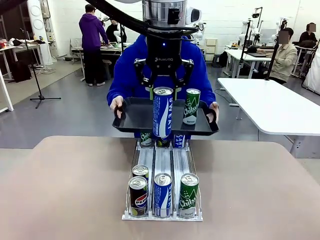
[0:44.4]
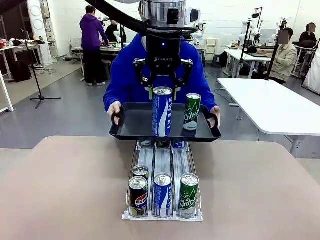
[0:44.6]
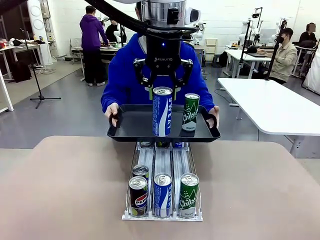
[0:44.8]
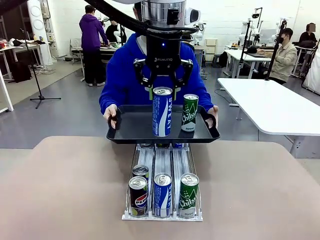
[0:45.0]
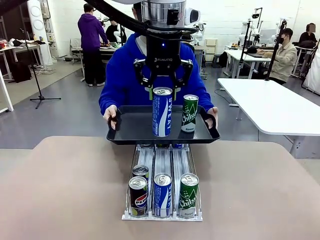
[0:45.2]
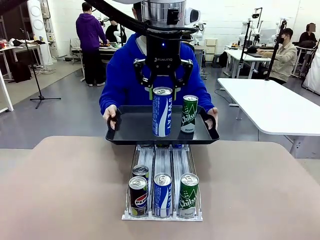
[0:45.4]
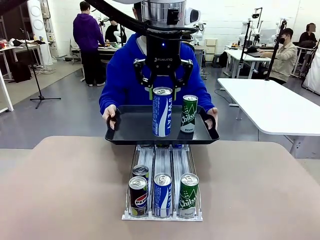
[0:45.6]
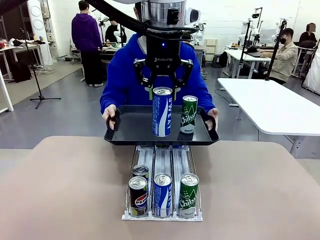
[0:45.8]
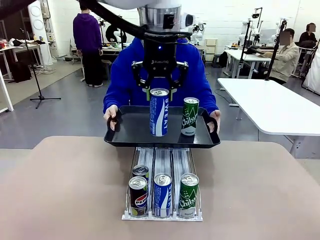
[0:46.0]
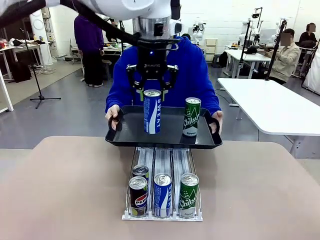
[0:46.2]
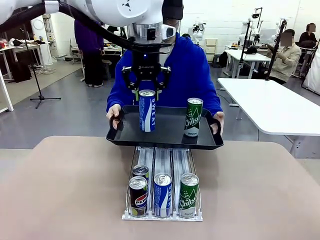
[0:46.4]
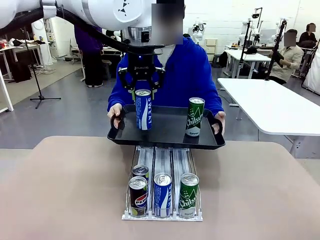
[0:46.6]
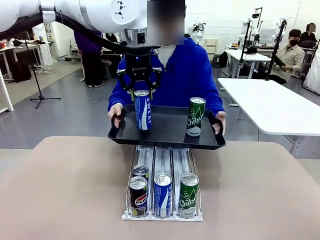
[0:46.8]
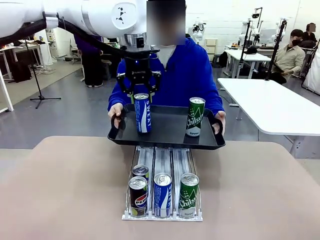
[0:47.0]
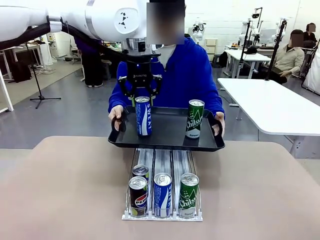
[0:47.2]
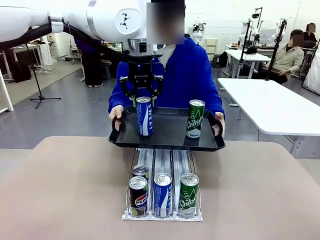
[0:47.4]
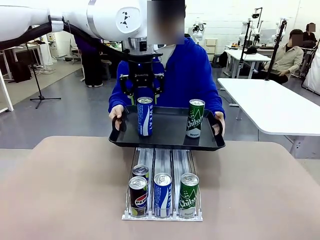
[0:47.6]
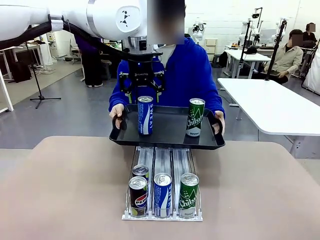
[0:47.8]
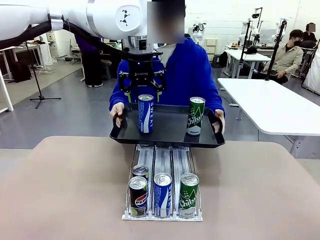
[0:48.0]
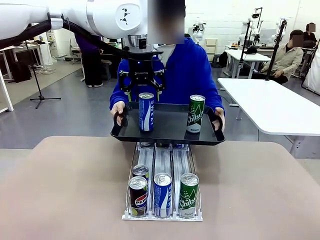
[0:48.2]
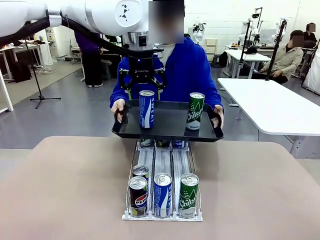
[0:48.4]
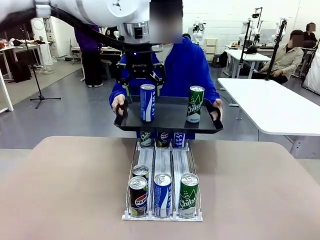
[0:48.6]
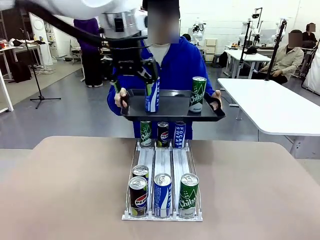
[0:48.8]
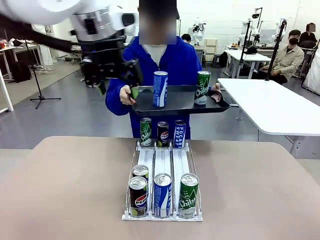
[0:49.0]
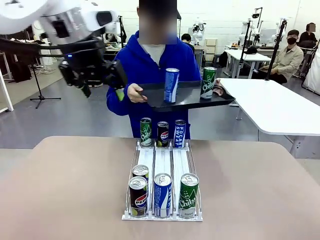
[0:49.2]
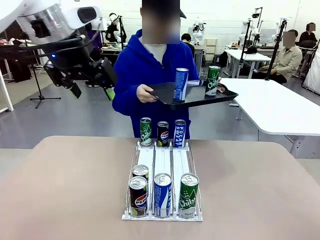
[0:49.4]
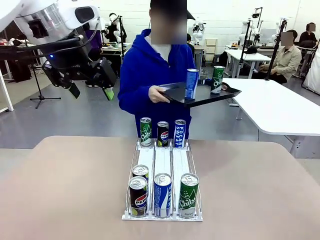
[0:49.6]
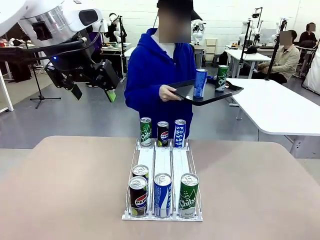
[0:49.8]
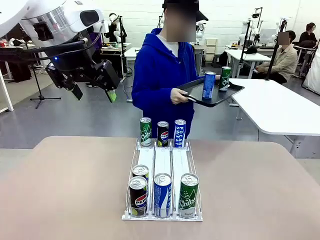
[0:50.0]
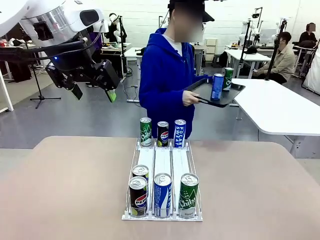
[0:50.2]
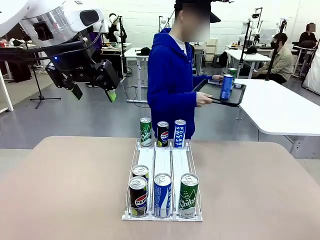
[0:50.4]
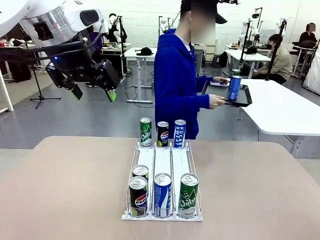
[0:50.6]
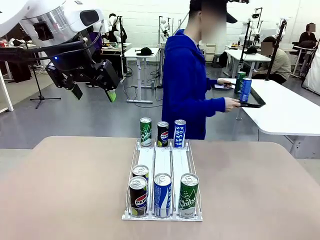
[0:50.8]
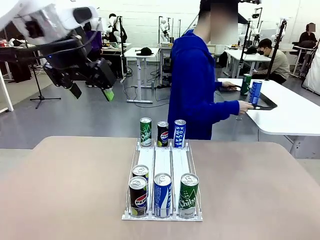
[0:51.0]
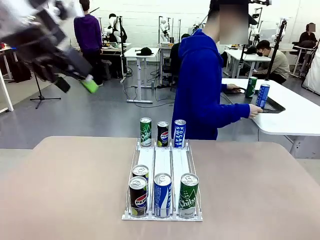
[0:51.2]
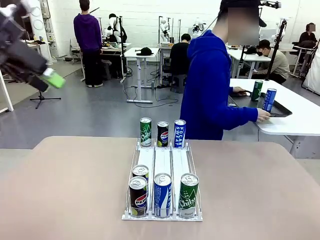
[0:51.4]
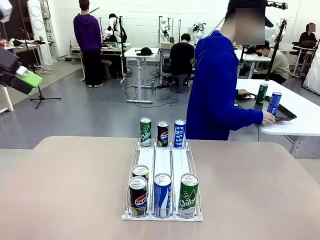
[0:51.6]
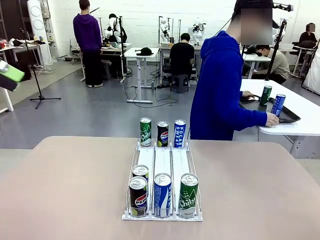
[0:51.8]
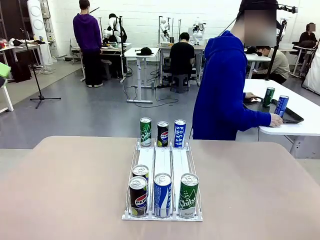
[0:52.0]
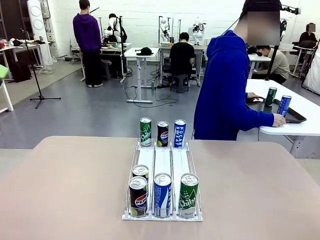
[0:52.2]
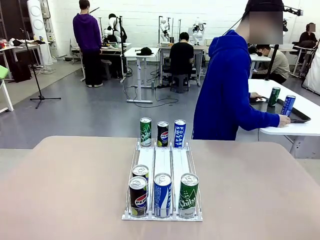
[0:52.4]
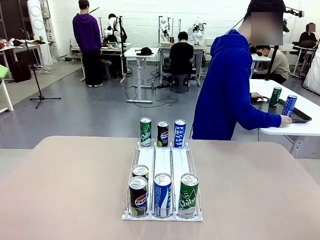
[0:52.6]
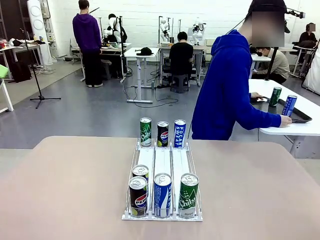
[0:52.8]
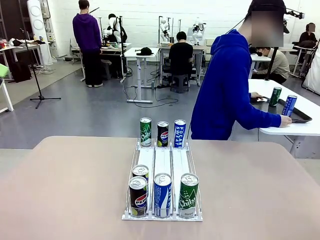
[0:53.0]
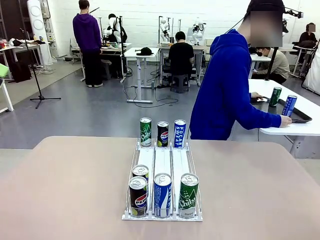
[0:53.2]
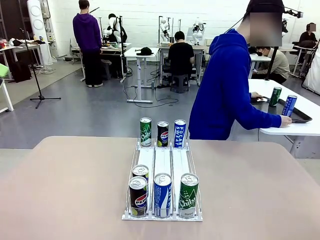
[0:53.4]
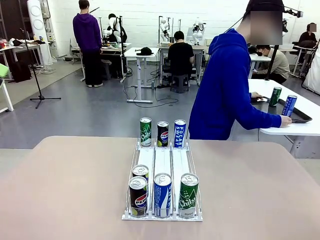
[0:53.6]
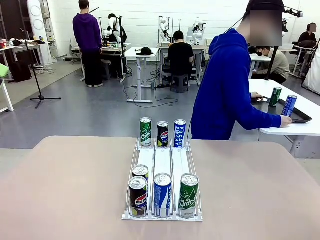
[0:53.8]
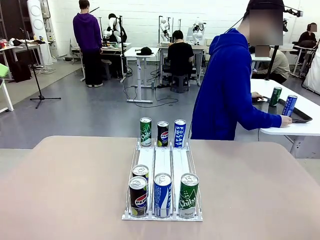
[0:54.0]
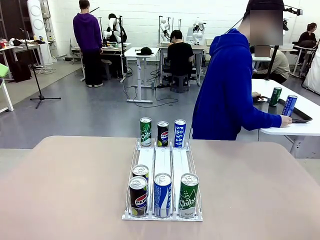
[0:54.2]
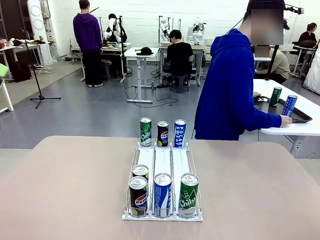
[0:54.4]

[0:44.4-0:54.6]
Task: Retrieve and hand over the desired beverage to the person.
Robot: Place the picked can on the Handle tray extended by the person.
Person: Pull the tray back and place it at the center of the human table.

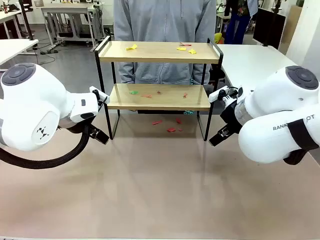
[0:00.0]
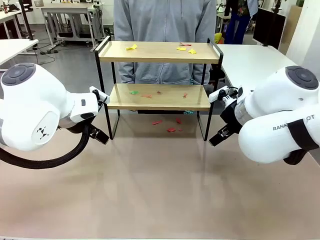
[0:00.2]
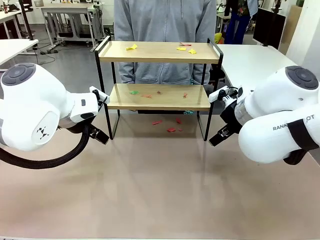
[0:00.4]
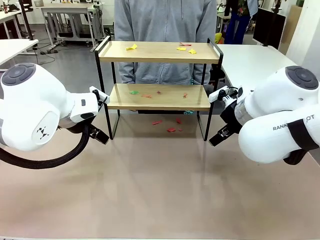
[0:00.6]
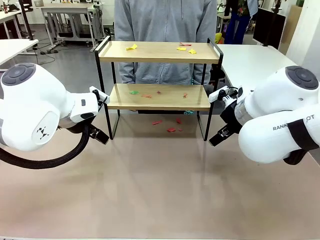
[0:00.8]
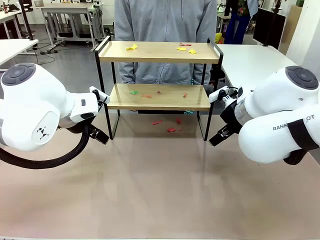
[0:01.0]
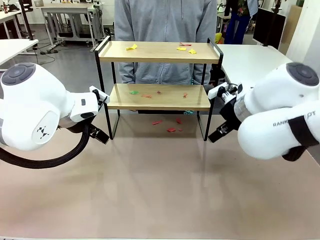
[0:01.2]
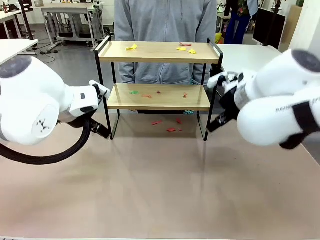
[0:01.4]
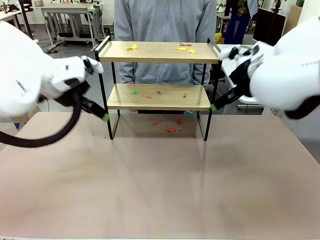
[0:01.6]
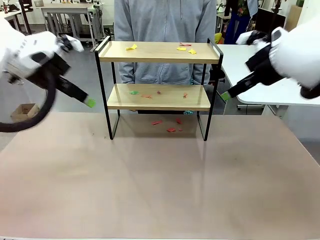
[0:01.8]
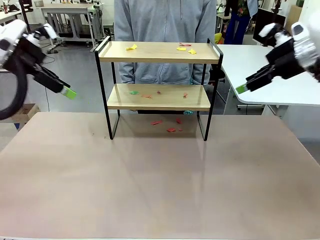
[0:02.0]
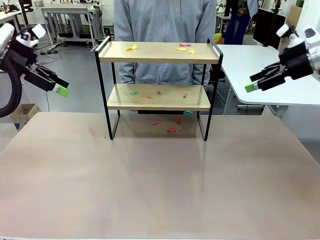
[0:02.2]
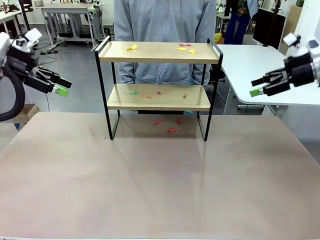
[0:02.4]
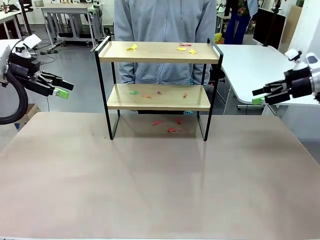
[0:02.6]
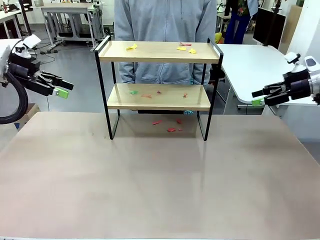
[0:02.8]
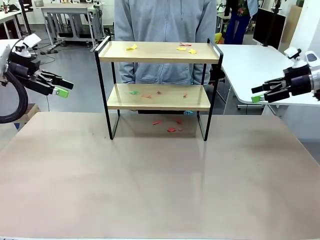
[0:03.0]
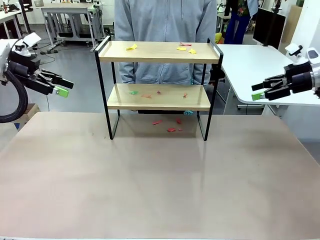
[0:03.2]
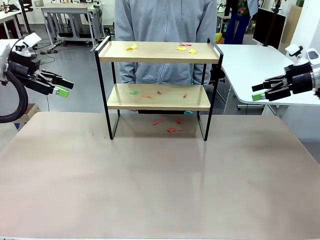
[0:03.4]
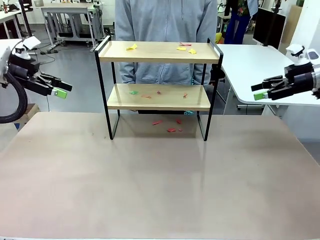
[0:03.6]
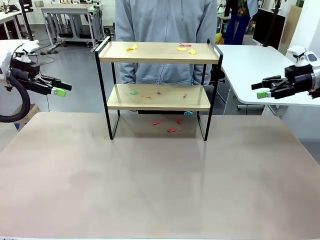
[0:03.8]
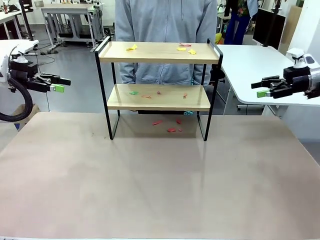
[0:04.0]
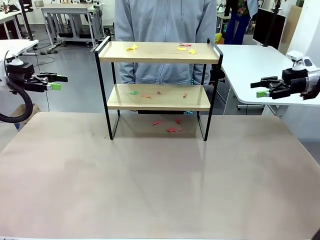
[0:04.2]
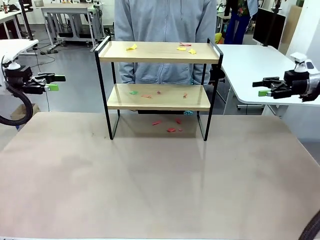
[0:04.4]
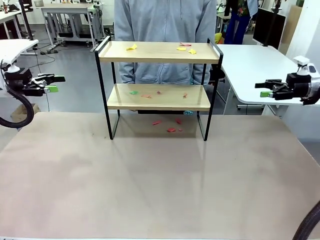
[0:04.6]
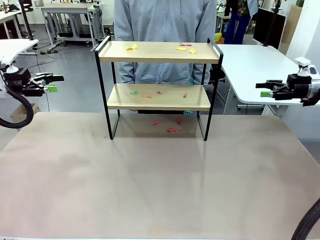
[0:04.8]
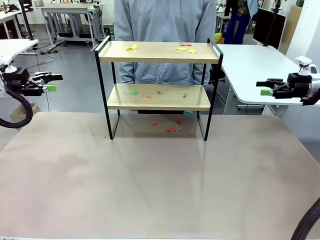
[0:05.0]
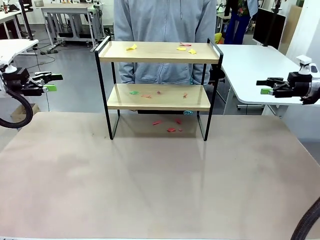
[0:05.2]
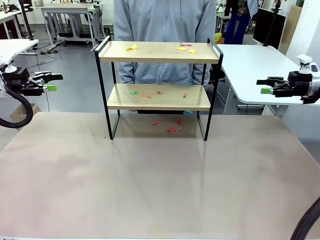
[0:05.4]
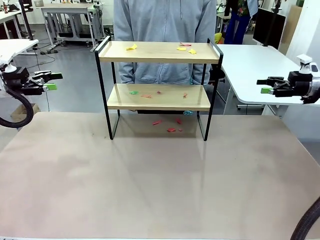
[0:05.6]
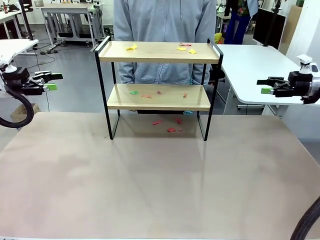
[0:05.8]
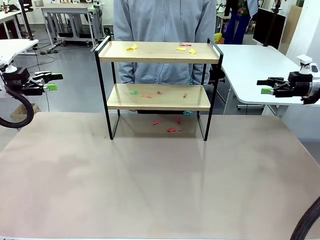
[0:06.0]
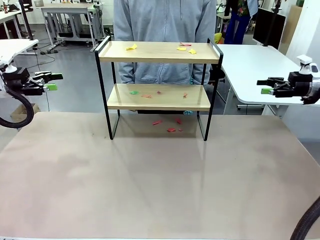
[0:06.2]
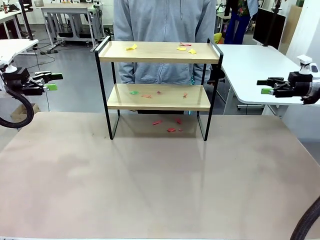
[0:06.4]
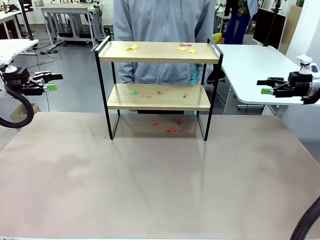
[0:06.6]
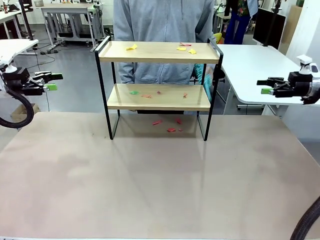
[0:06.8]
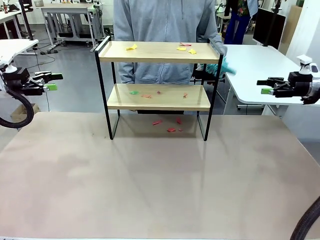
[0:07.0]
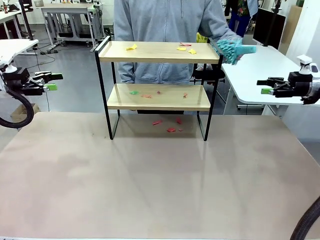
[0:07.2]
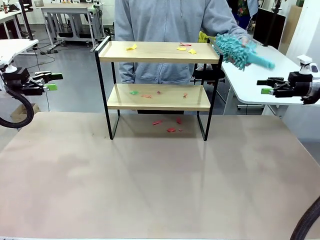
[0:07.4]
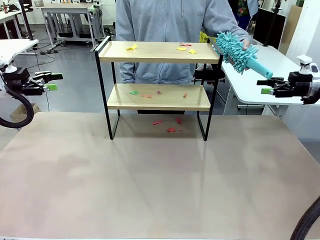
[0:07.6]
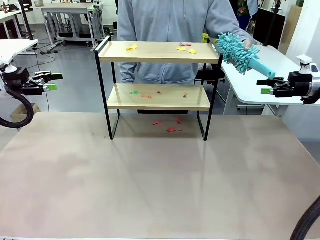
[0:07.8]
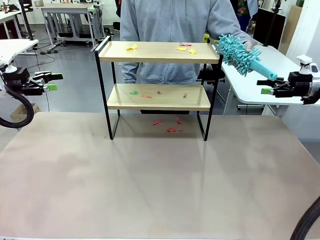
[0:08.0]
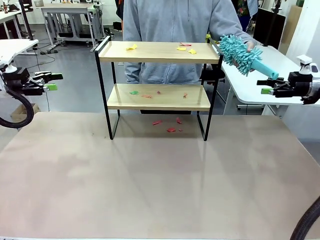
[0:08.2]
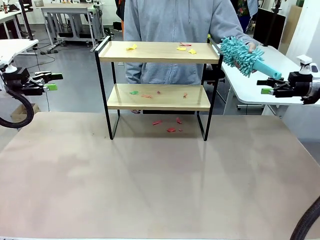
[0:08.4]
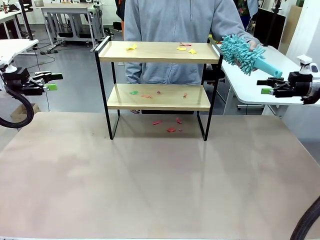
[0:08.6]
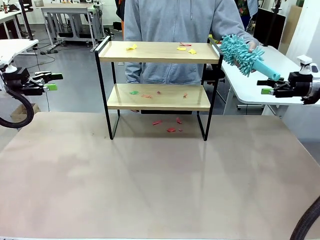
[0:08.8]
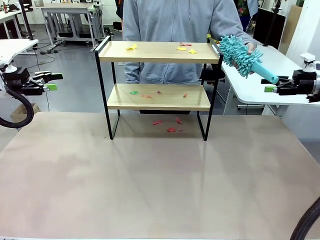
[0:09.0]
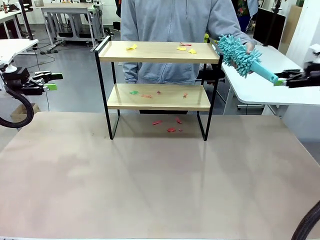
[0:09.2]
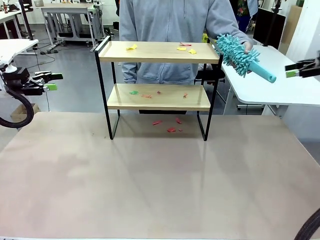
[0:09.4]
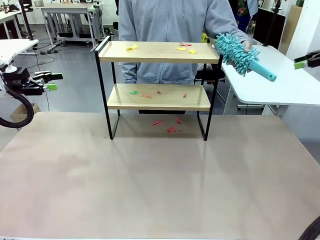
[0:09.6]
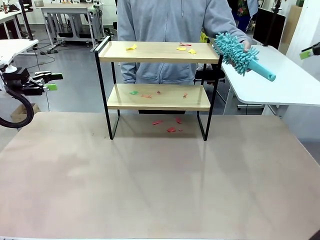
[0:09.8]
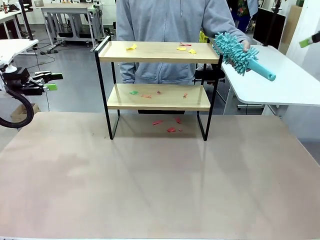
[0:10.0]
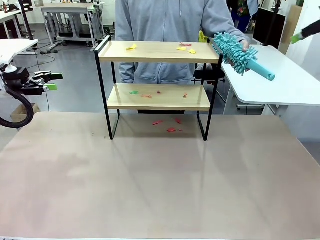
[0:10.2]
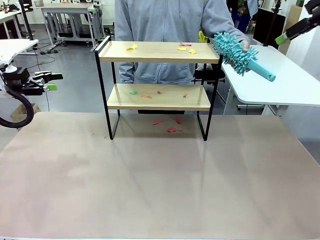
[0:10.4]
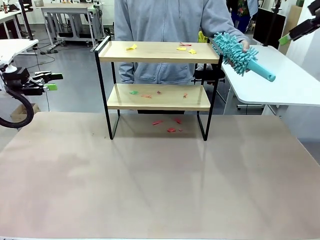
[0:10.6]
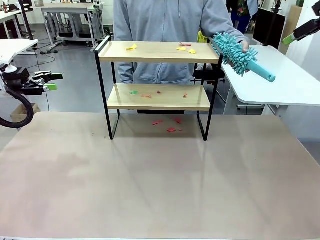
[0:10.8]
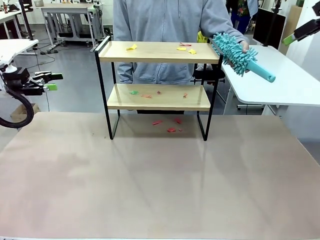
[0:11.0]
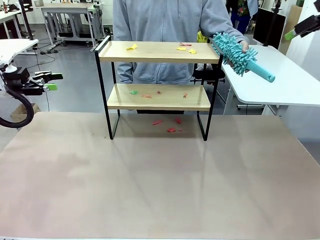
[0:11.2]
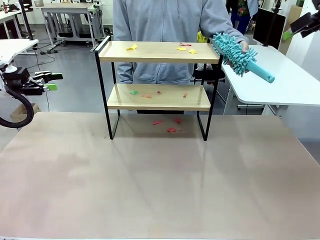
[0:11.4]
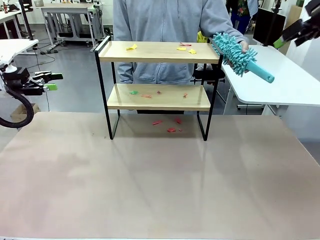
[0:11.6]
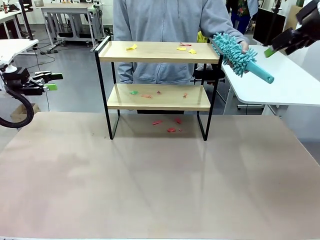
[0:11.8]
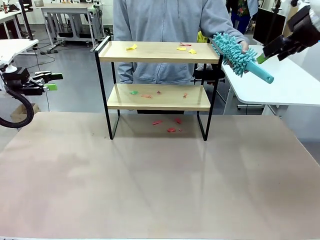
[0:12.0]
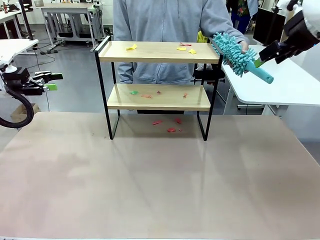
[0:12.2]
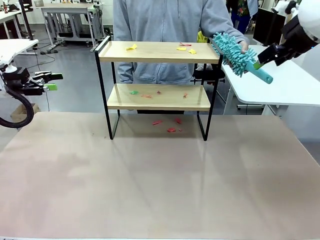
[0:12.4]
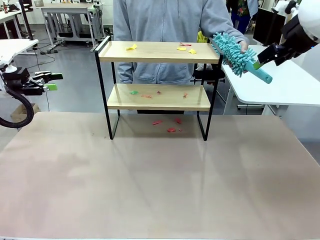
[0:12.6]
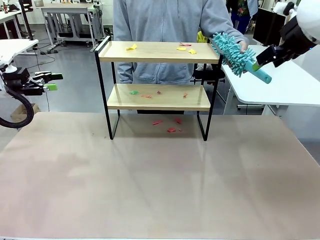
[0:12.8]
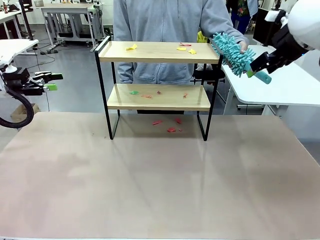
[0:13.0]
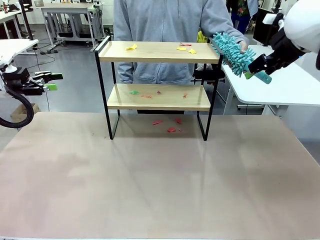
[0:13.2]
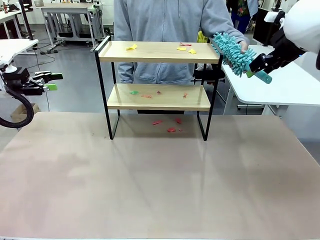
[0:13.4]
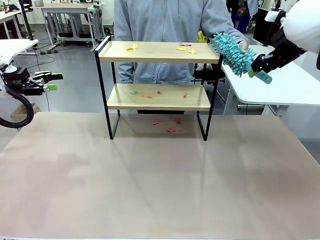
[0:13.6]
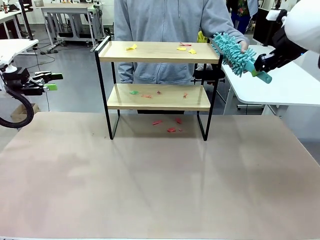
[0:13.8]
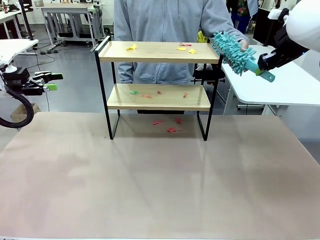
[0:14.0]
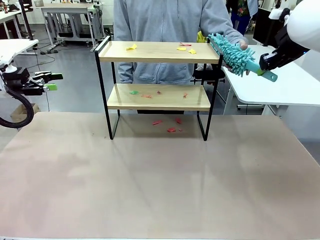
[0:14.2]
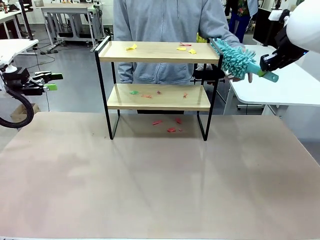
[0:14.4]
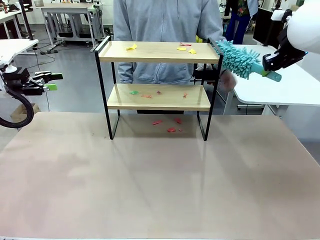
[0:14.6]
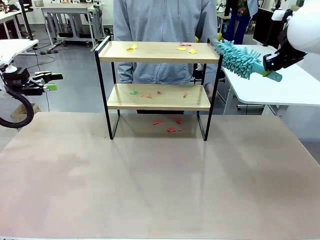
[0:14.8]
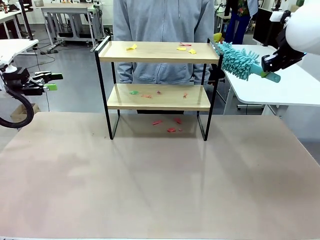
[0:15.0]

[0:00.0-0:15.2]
Task: Clean the shelf.
Robot: Pick up the Duster handed by the human.
Person: Hand the Duster to the robot.
